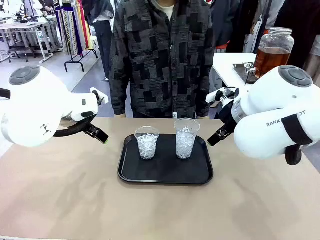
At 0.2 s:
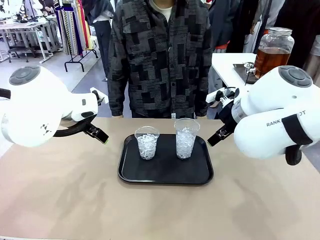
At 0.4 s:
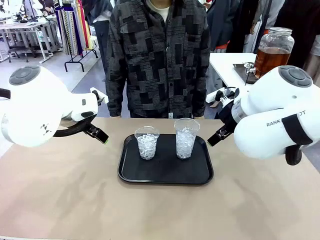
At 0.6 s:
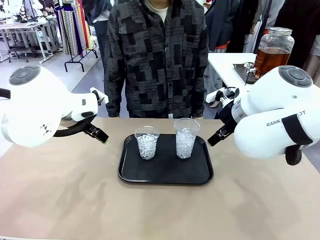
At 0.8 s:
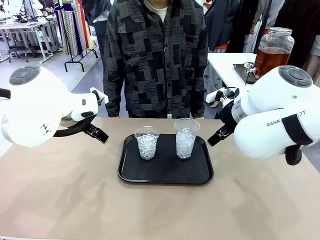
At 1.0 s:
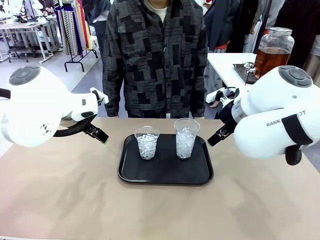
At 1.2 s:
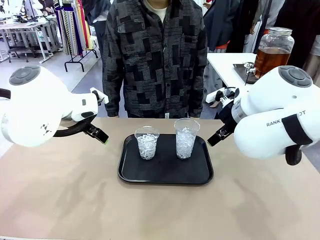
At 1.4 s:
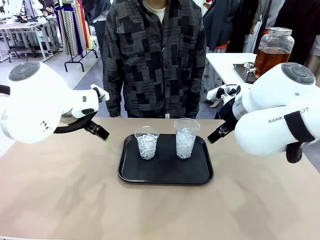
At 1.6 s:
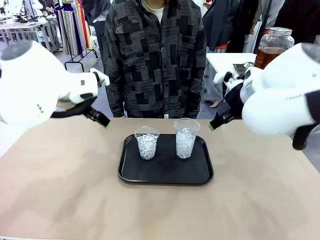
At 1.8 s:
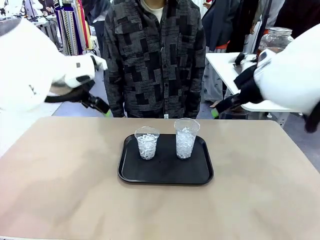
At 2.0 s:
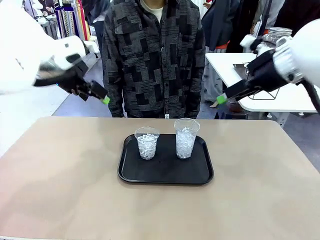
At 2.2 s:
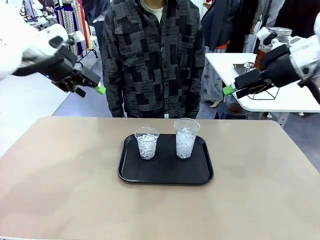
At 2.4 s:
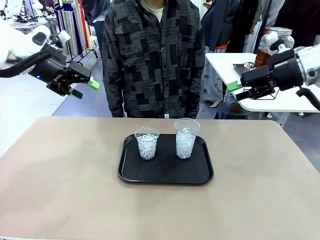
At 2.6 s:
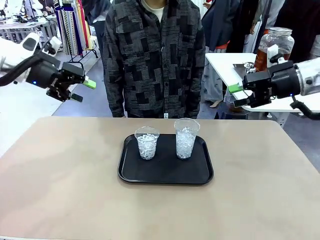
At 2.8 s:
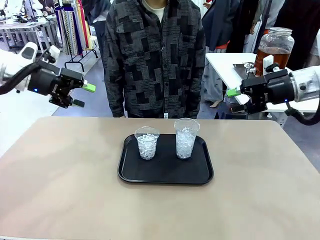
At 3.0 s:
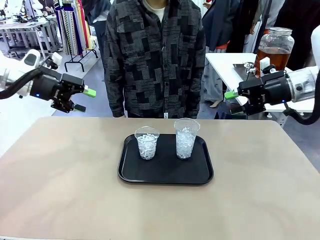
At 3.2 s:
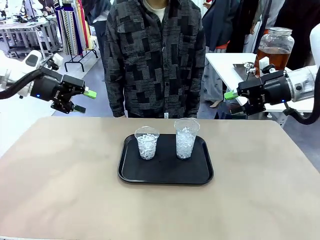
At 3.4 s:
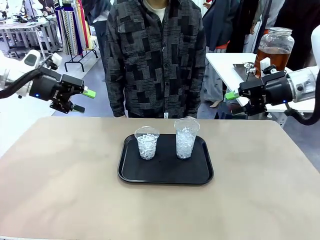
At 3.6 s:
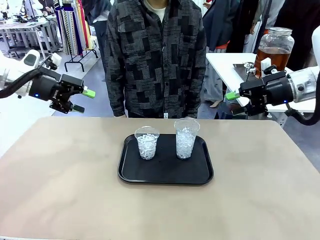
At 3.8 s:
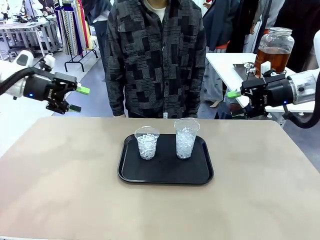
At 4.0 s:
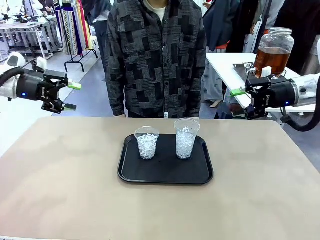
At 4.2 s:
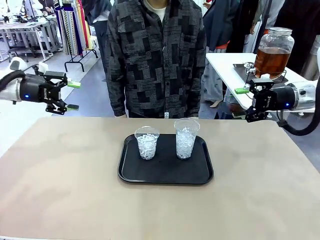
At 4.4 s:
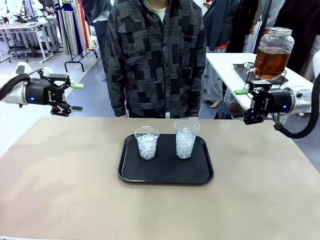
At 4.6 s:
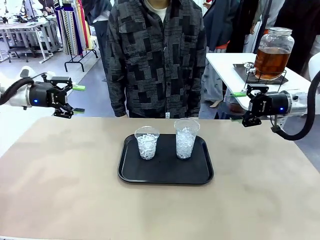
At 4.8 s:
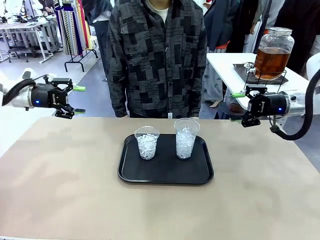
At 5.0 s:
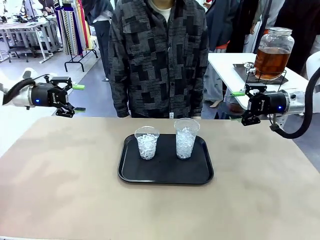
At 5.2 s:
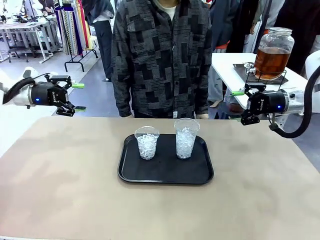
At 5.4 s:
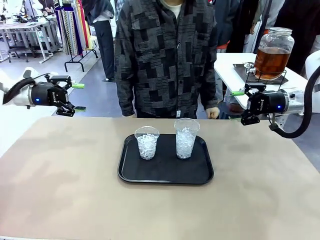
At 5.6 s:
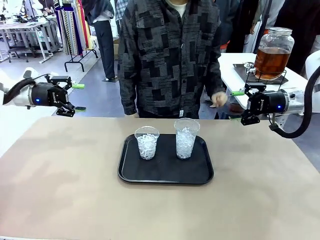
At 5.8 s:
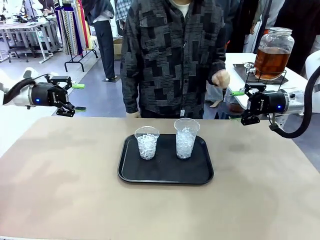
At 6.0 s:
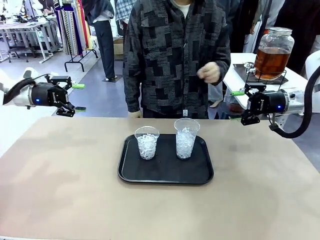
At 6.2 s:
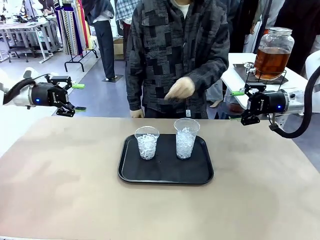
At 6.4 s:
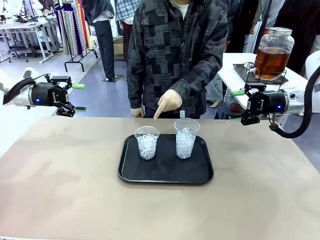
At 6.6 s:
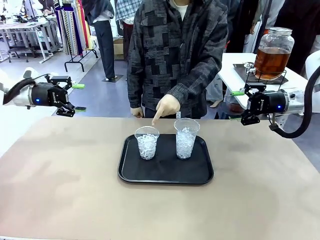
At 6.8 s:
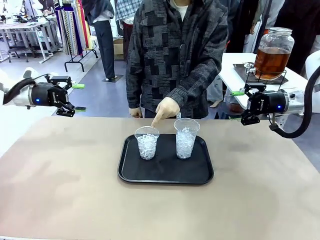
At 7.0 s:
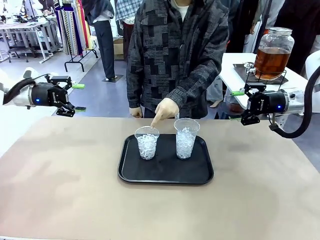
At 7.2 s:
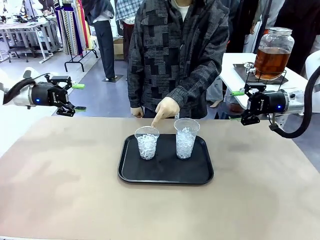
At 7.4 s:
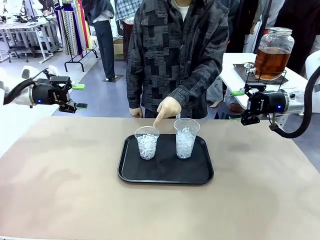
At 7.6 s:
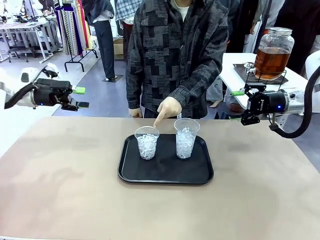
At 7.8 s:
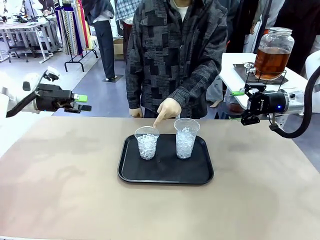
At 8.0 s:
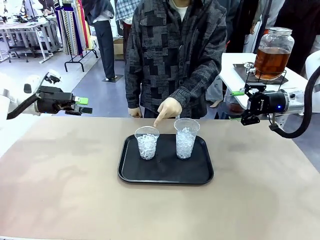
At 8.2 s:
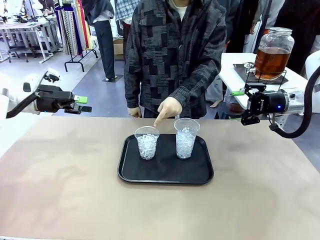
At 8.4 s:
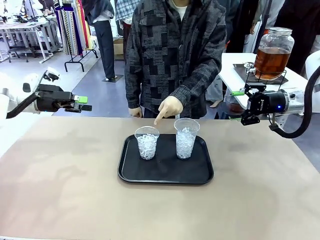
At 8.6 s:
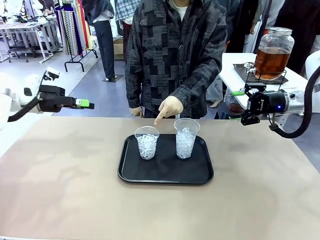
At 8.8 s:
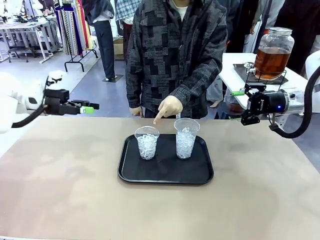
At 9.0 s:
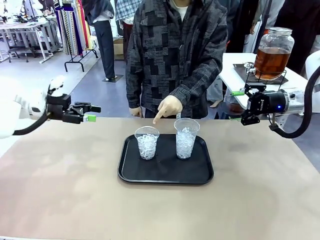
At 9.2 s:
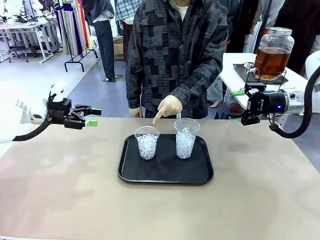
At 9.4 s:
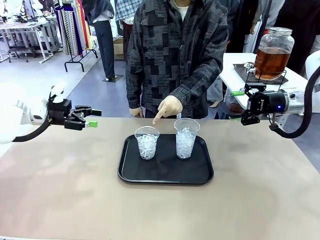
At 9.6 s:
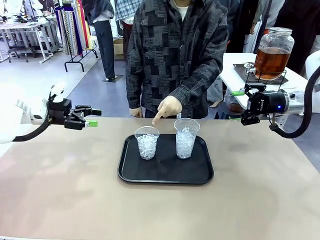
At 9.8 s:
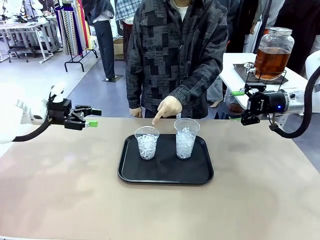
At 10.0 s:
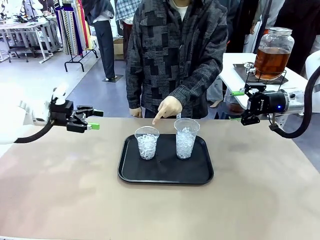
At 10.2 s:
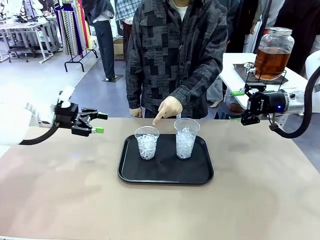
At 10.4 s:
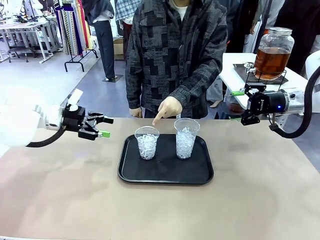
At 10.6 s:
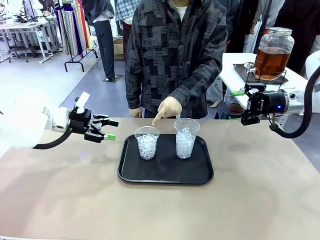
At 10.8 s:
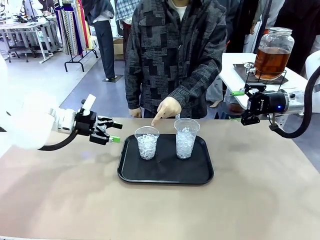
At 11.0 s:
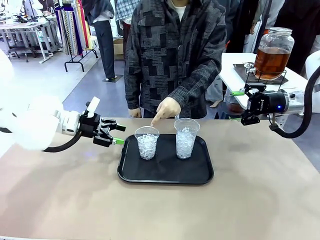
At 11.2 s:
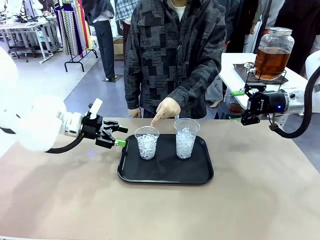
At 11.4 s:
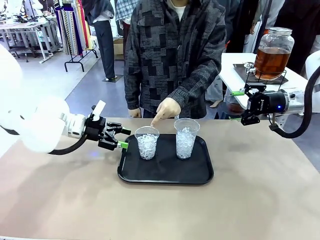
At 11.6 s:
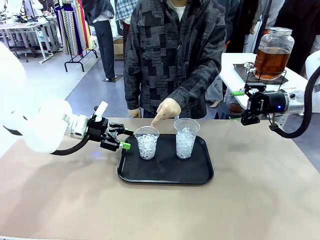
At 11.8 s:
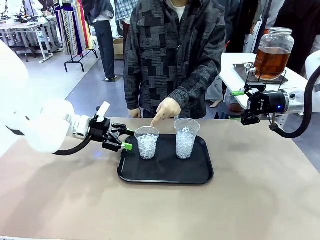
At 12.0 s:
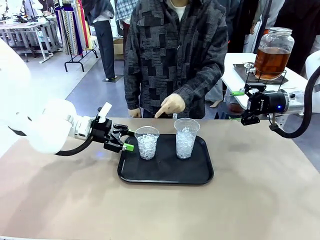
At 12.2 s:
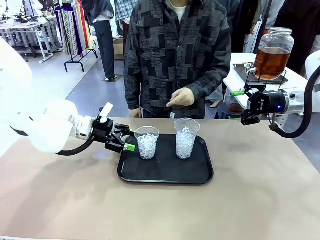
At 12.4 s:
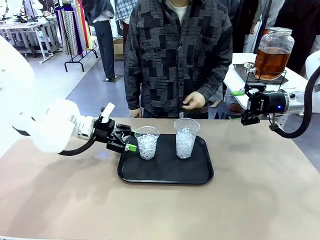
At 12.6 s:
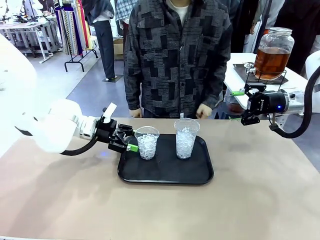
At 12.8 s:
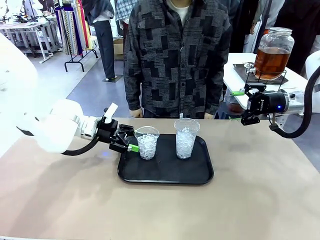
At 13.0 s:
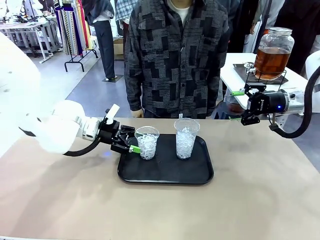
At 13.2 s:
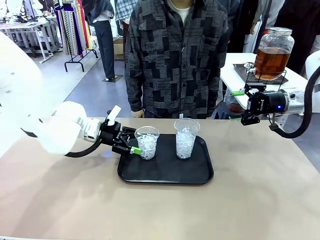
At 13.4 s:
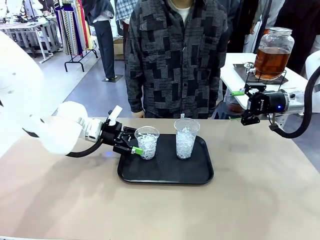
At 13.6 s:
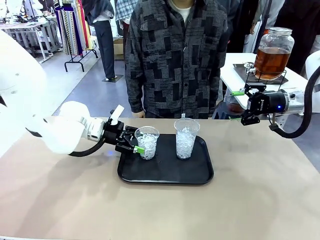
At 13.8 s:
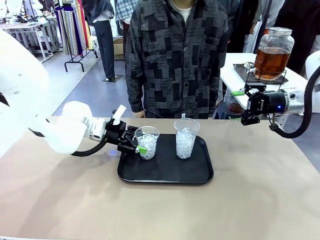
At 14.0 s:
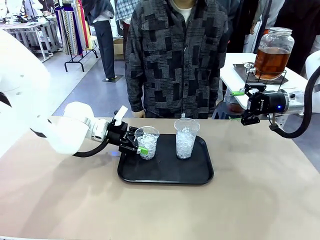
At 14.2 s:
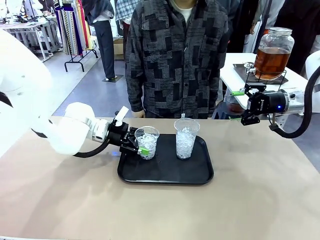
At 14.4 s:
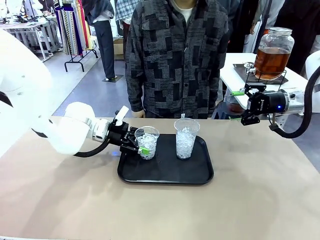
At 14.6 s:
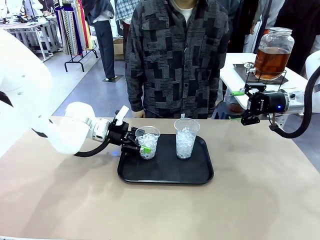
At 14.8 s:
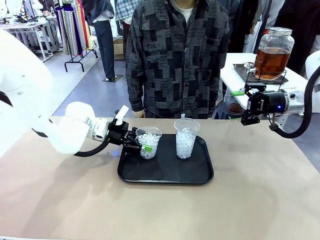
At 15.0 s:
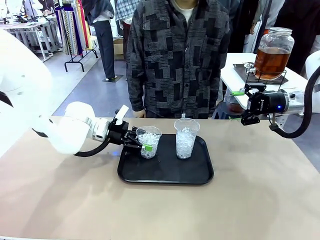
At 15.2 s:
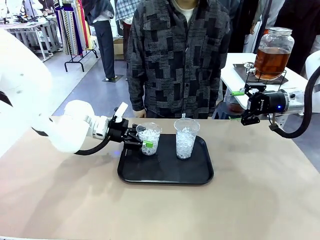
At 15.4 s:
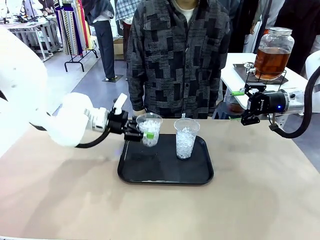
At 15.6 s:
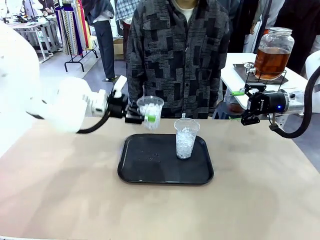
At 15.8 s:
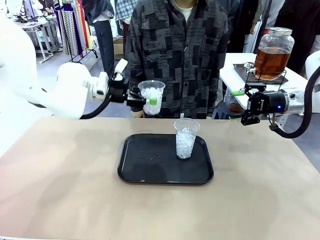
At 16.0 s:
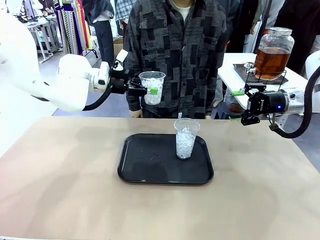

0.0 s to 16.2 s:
Task: Pour the drink into the iced cup.
Robot: Pick up the iced cup indicated by the human and present it to them.
Person: Point to one of the two ice cups. Pick up the cup offered by the robot.

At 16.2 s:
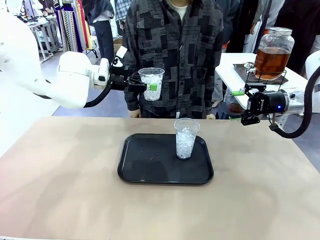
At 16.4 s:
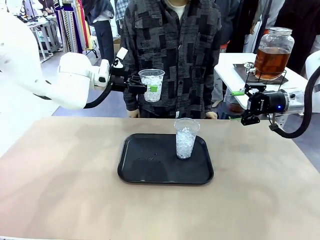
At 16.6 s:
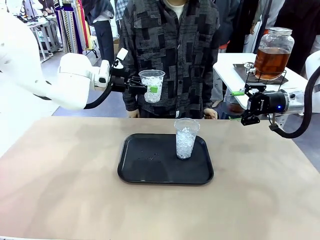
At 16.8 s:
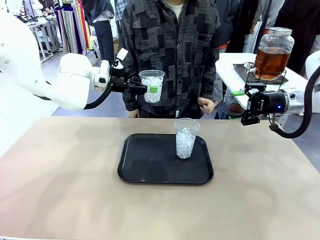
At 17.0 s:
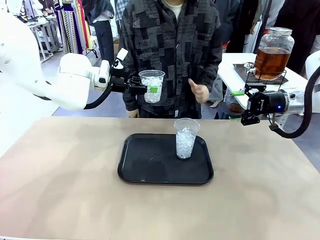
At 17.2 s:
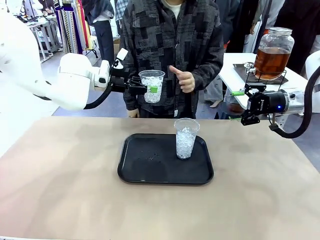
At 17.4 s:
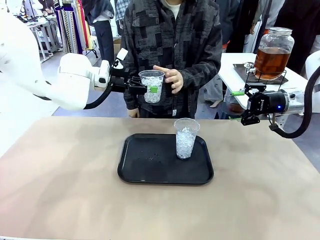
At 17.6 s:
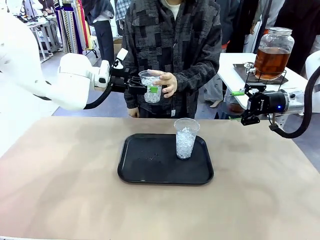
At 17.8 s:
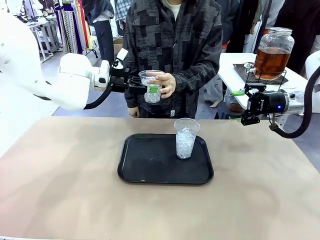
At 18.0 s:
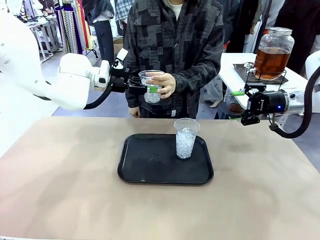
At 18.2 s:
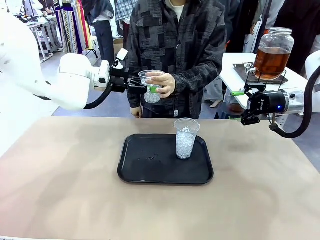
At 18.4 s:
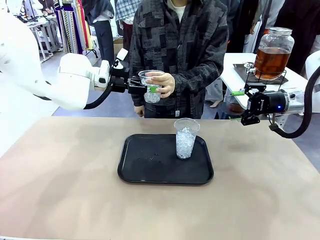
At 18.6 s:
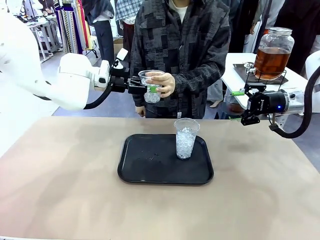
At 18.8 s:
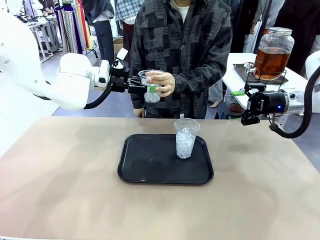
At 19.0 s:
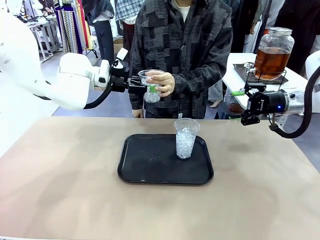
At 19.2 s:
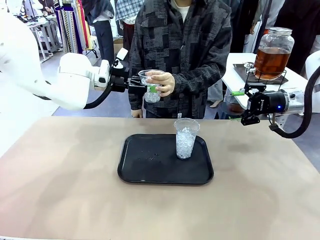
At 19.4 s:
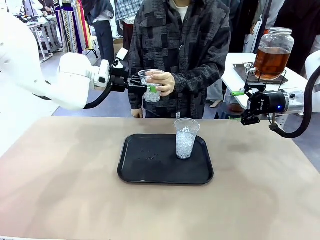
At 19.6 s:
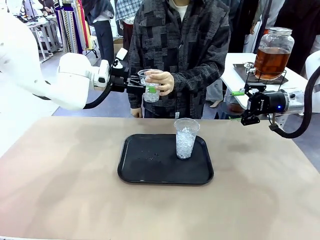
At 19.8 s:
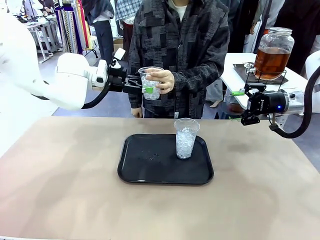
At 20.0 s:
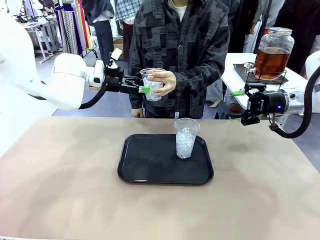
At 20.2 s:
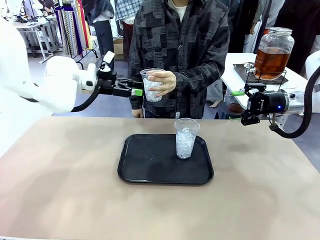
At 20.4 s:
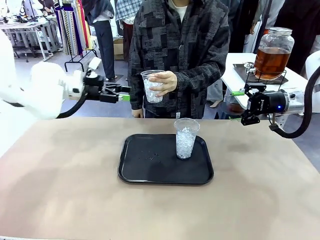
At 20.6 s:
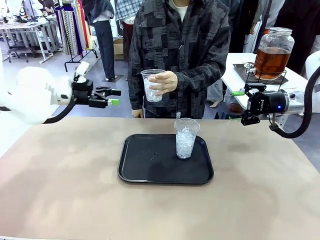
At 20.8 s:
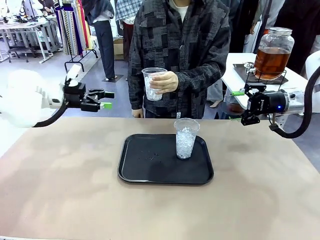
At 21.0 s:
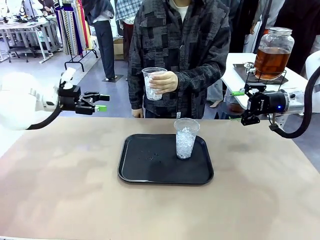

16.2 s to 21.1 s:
Robot: Open the gripper to release the iced cup you were holding.
